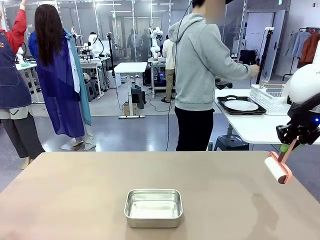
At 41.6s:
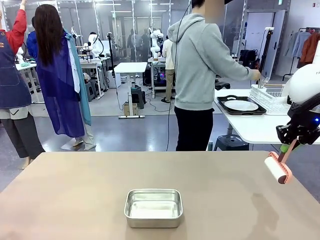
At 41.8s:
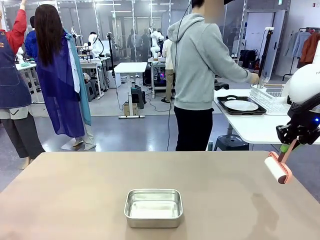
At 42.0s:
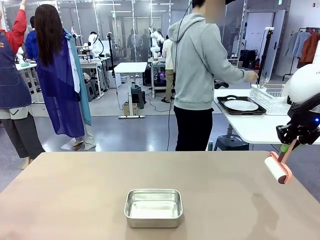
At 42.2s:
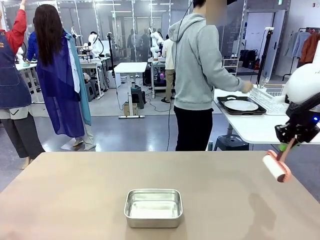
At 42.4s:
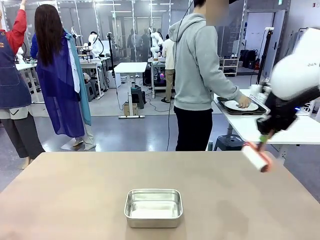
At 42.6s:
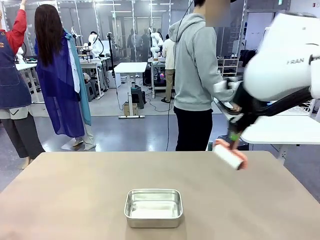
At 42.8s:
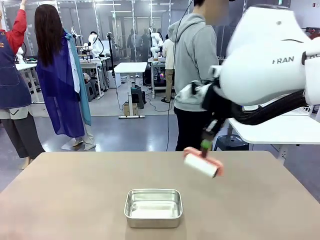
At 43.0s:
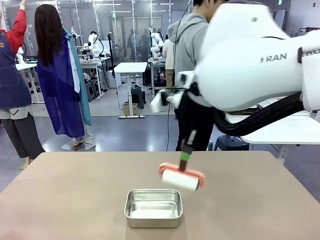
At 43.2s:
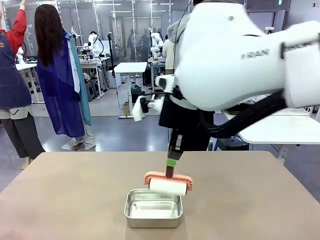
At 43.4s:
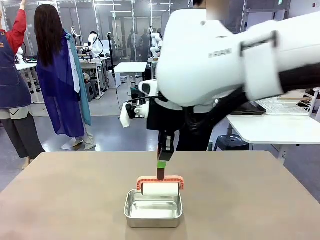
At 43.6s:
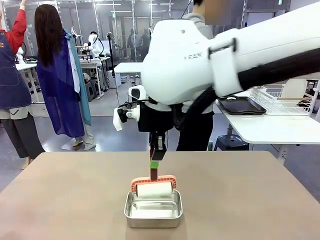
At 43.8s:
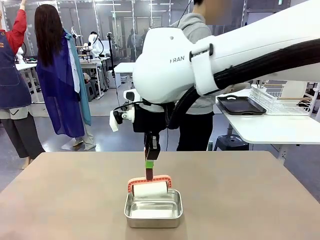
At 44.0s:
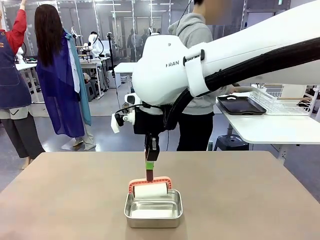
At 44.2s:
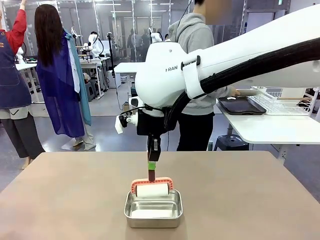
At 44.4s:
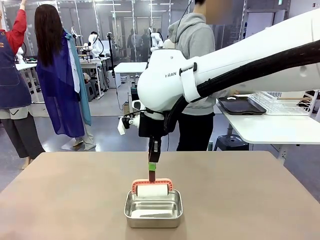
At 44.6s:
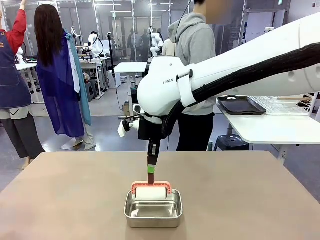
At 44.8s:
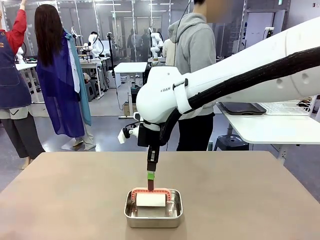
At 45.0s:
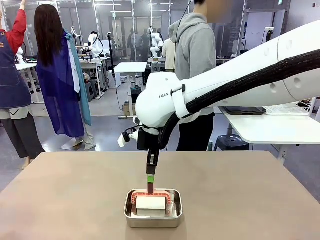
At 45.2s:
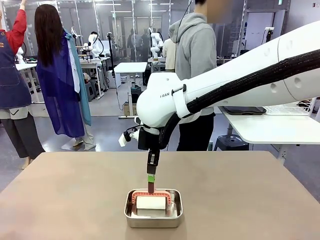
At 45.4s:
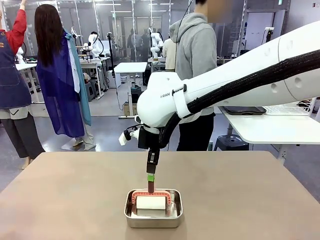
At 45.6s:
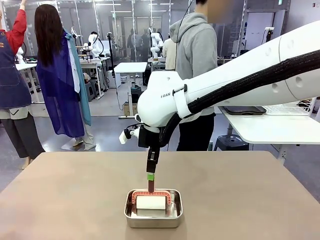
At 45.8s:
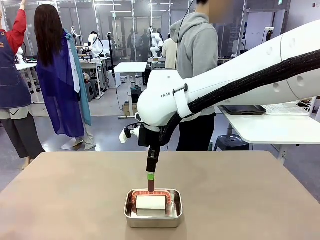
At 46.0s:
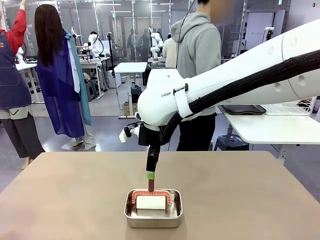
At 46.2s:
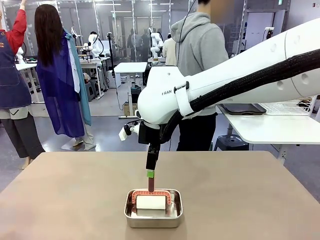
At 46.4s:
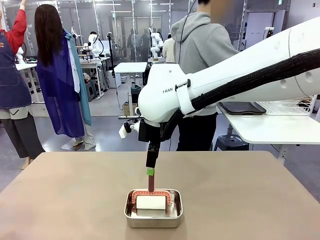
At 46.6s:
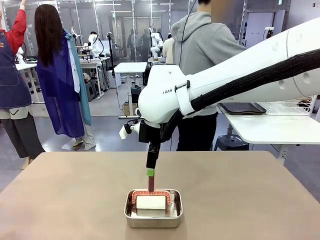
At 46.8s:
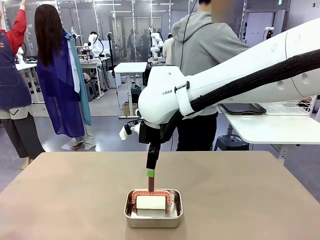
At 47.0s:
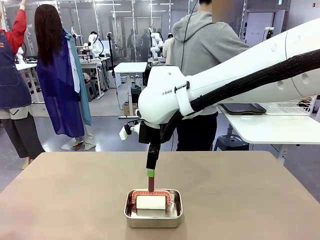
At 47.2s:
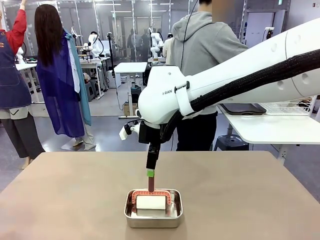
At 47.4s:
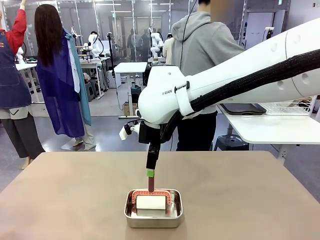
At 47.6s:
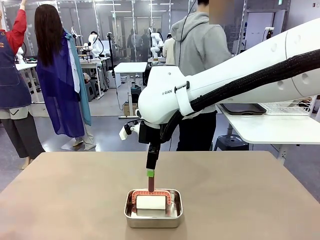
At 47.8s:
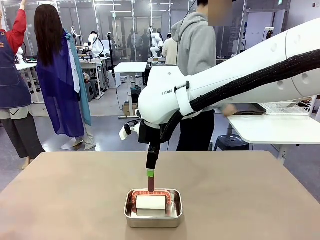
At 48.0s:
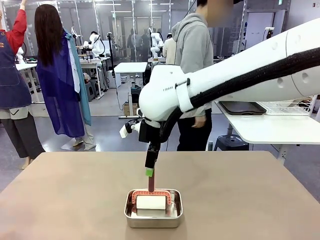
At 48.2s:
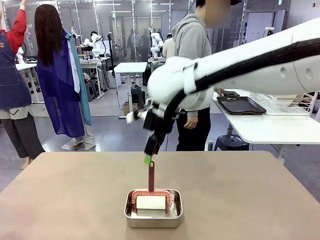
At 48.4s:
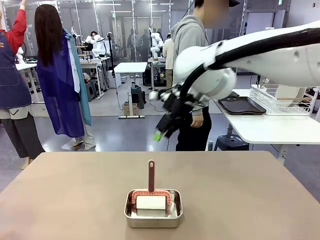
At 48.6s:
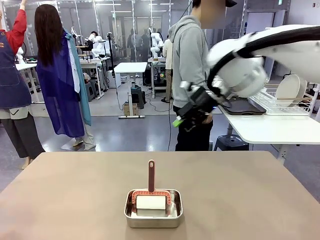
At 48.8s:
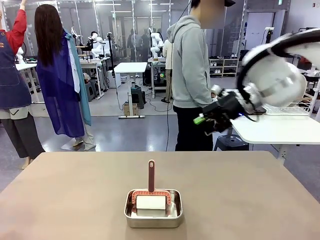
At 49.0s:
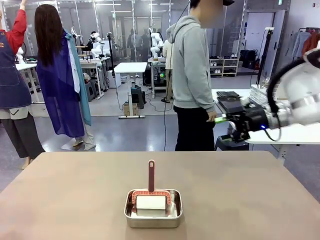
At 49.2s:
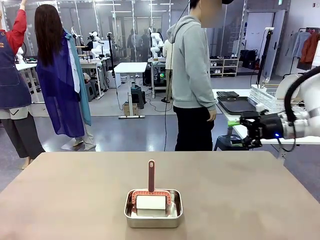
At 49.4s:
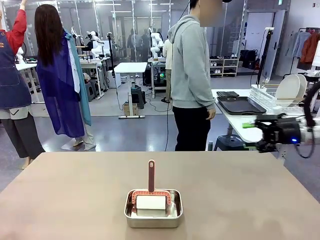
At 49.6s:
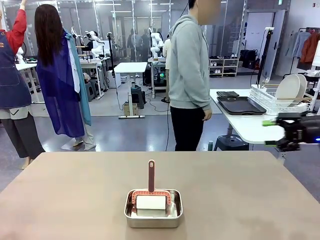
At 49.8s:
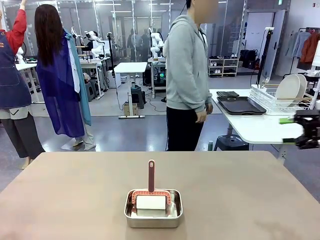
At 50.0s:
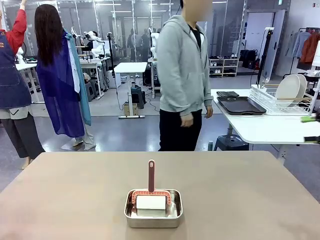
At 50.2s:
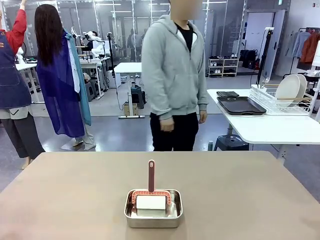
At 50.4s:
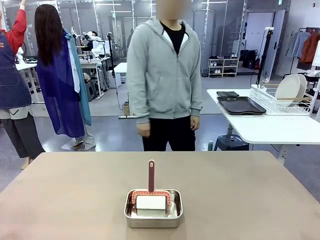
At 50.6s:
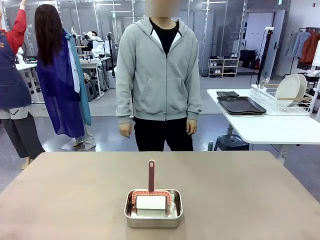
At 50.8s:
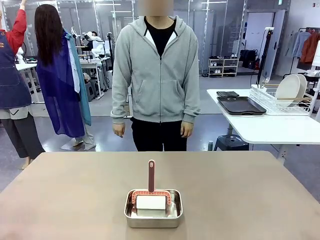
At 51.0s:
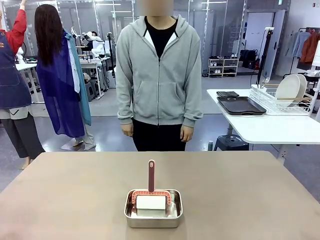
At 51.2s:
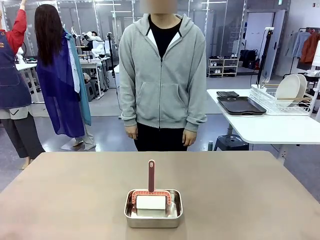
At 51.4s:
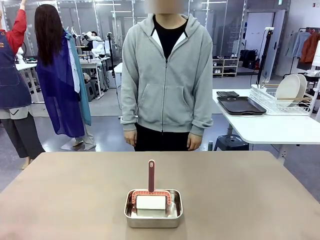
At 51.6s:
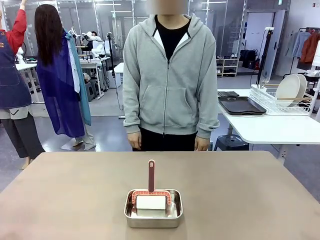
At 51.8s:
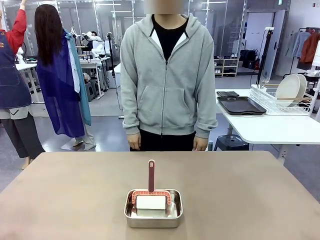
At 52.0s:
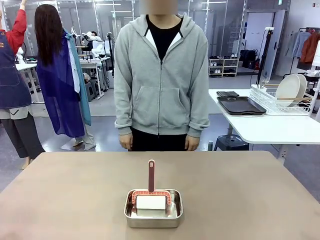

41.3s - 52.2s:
Robot: Place the Lint Roller back on top of the Airtight Container.
Person: Use the Towel with hook to wipe the Plastic Matte Plate , Fork , and Knife and place into the Dish drying rack.

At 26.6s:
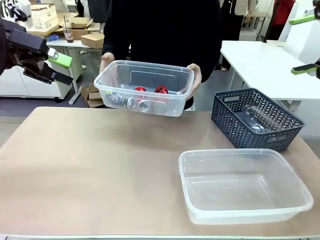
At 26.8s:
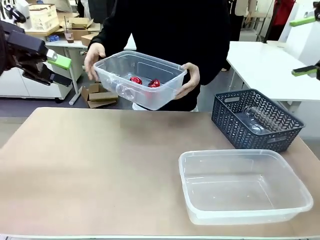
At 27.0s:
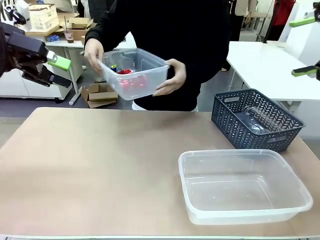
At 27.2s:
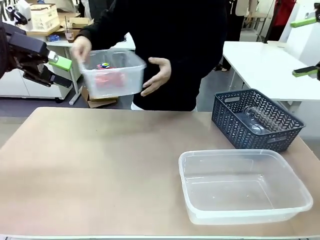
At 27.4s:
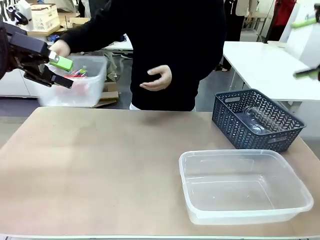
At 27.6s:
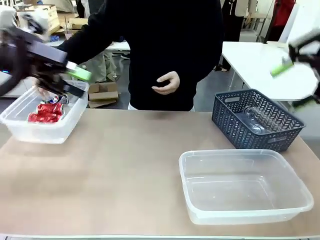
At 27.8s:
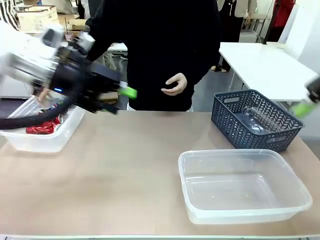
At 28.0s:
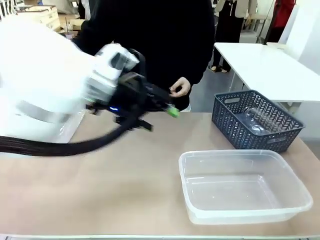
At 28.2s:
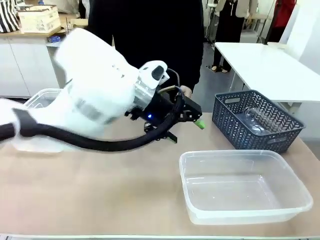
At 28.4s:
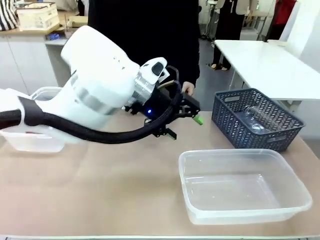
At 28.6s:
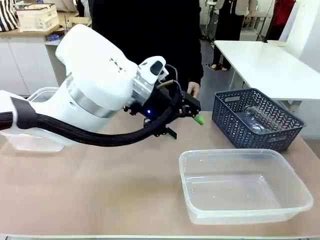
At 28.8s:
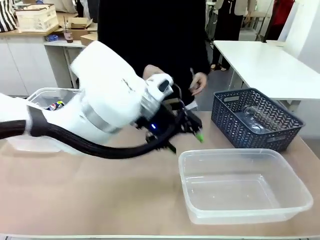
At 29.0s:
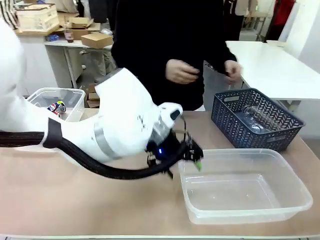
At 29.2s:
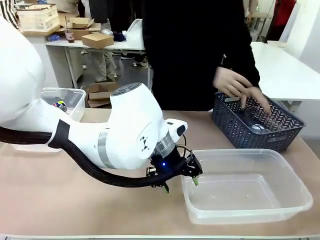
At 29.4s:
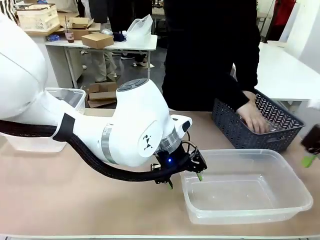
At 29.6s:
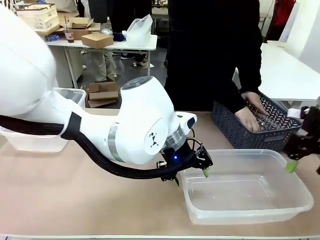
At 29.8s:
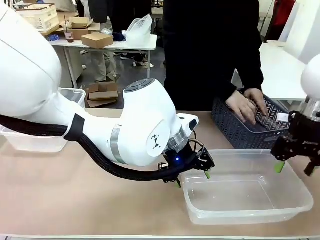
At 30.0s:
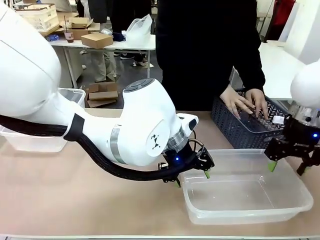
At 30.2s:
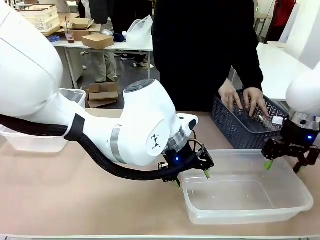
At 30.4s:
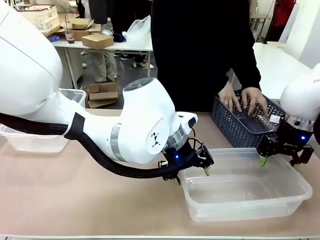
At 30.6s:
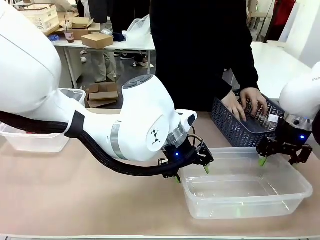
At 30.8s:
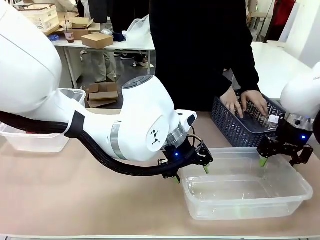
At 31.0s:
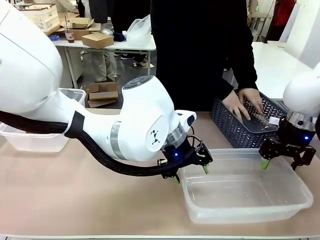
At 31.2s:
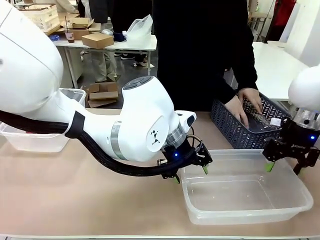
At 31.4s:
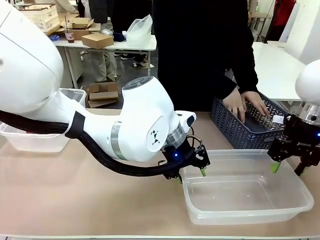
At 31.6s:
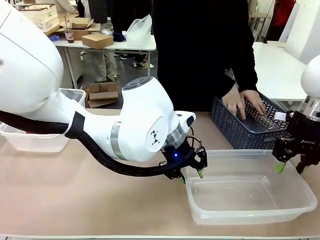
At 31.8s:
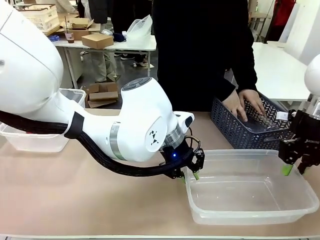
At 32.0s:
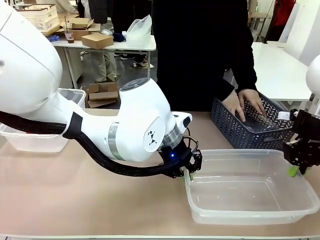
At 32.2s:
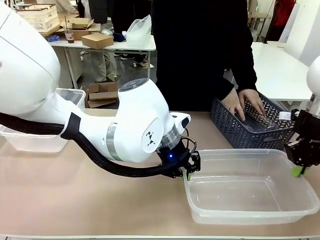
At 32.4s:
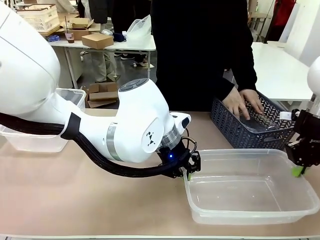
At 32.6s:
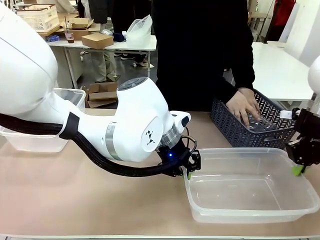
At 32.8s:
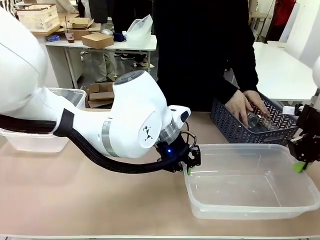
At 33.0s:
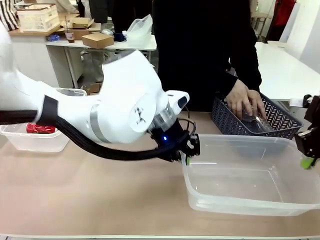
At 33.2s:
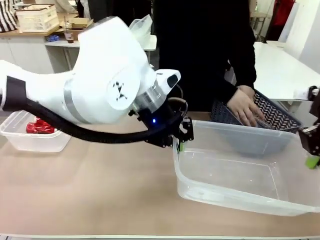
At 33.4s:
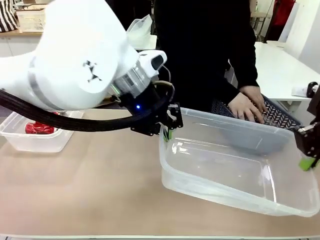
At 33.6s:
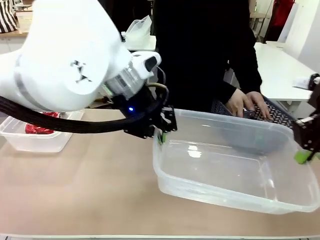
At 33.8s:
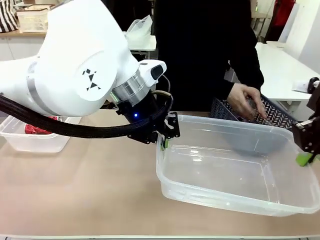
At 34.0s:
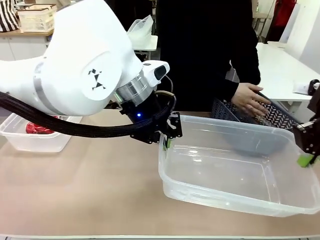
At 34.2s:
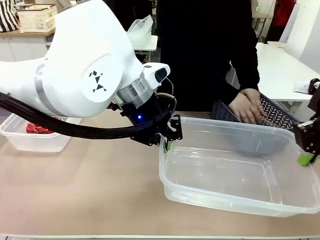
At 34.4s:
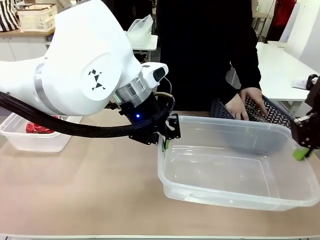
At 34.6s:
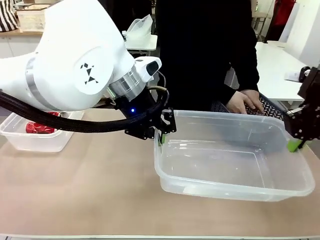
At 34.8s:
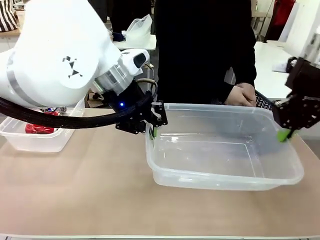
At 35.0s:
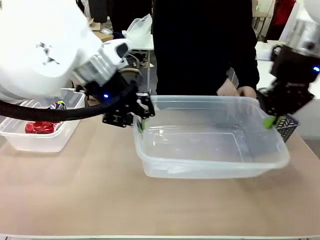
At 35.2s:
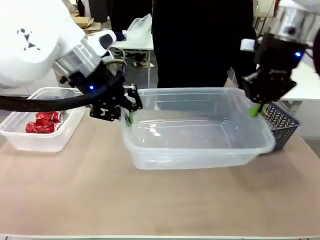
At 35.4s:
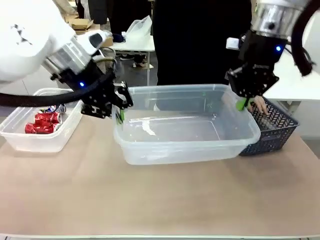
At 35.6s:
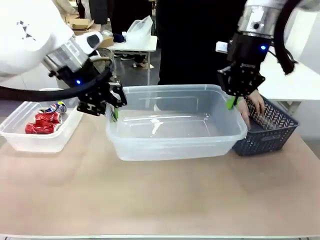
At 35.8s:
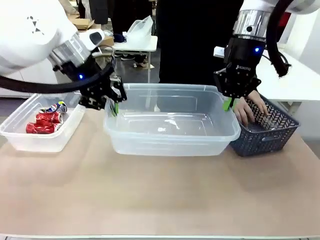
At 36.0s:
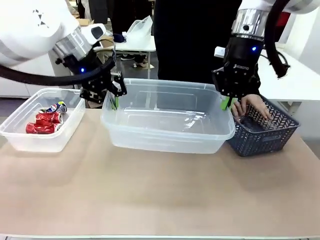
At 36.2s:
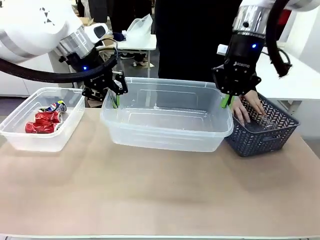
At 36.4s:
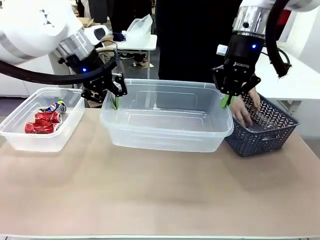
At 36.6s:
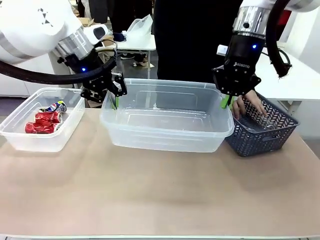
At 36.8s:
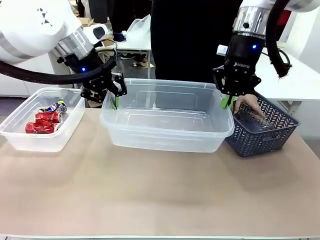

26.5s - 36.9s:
Robot: Pick up the Organizing box on the right side of the table and lift it.
Person: Place it at the edge of the bottom right area of the robot table. Pick up plastic waste one by one and place it into the organizing box lifted by the robot.
